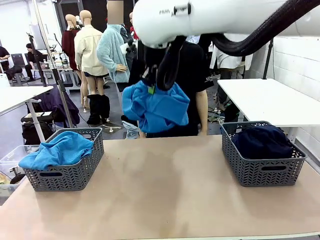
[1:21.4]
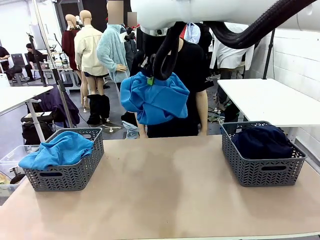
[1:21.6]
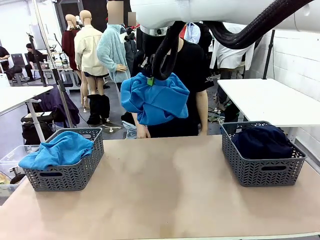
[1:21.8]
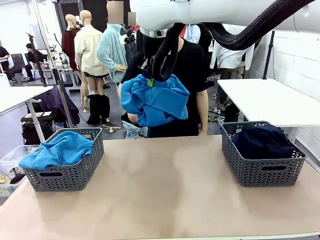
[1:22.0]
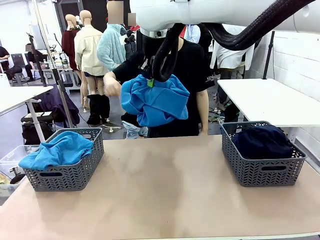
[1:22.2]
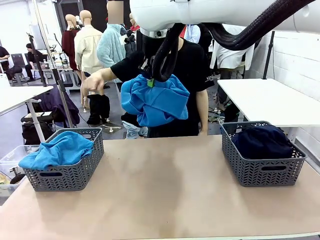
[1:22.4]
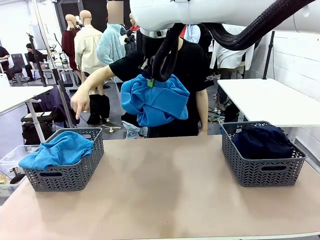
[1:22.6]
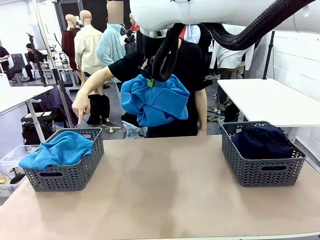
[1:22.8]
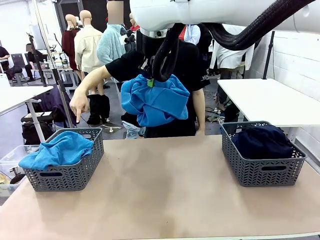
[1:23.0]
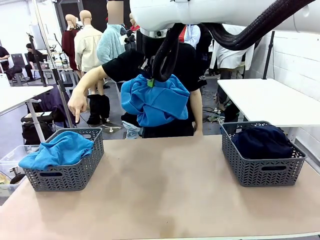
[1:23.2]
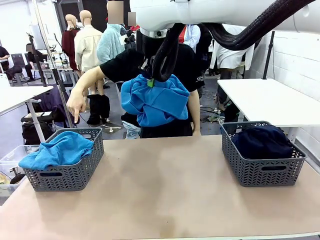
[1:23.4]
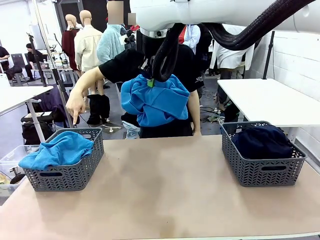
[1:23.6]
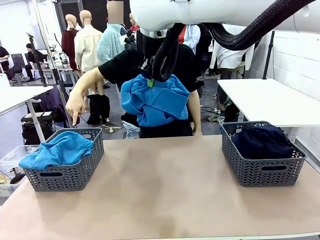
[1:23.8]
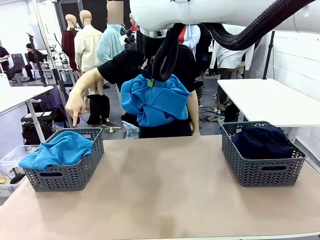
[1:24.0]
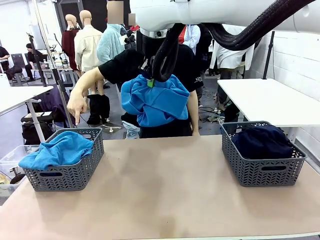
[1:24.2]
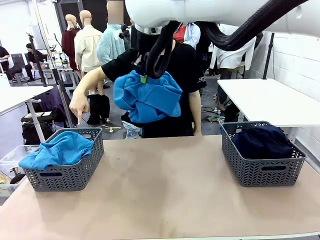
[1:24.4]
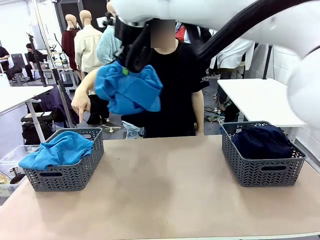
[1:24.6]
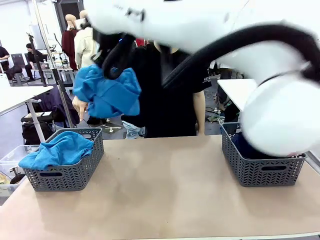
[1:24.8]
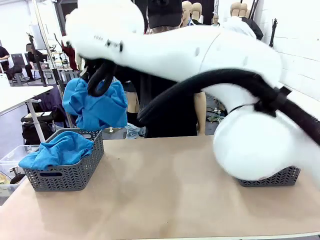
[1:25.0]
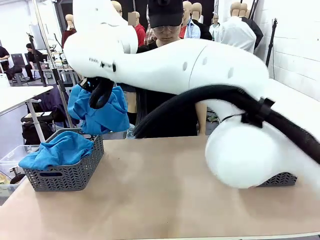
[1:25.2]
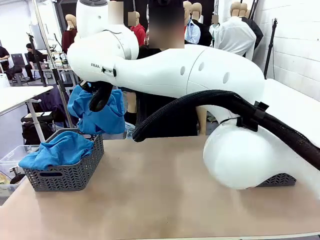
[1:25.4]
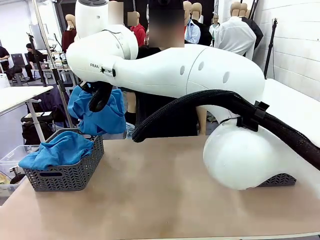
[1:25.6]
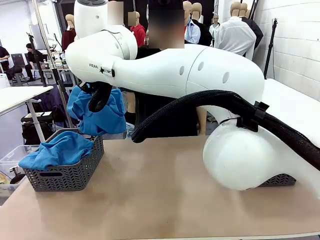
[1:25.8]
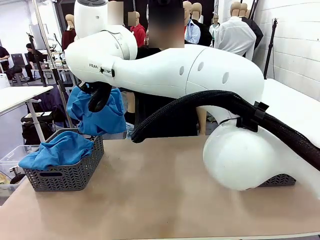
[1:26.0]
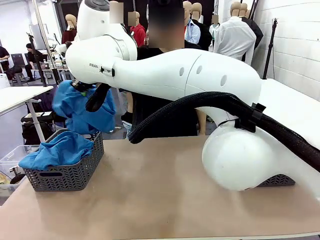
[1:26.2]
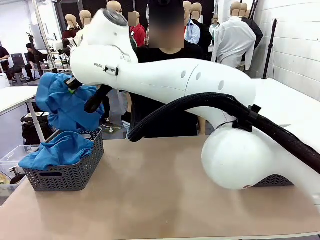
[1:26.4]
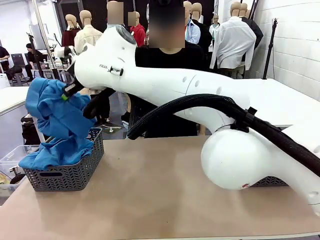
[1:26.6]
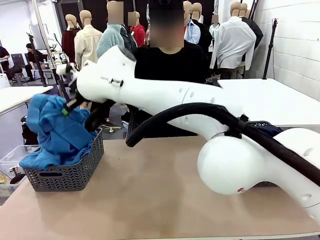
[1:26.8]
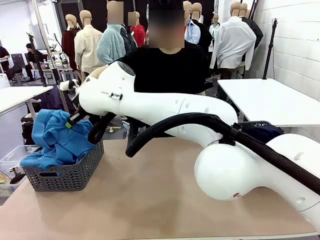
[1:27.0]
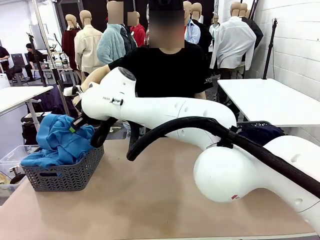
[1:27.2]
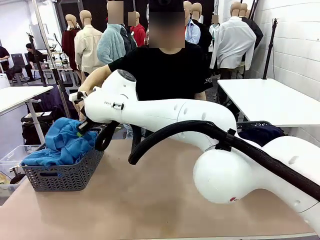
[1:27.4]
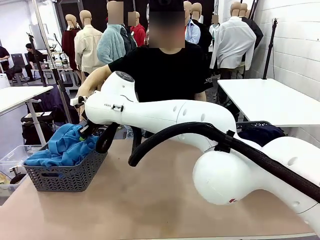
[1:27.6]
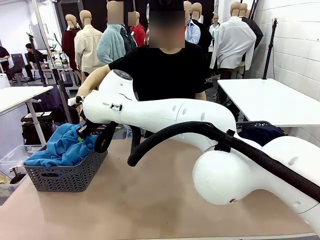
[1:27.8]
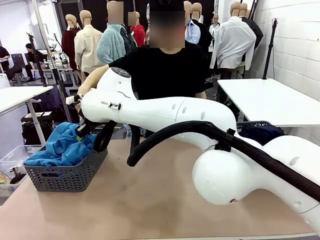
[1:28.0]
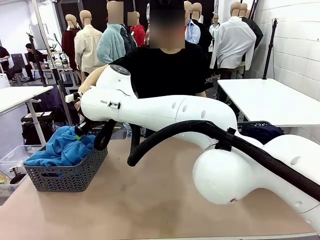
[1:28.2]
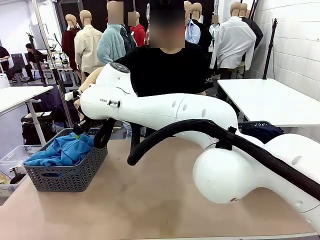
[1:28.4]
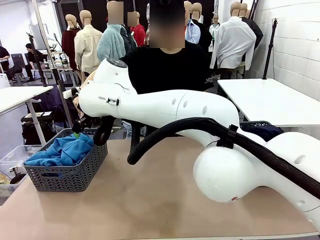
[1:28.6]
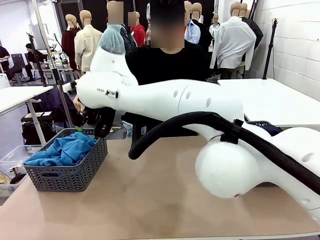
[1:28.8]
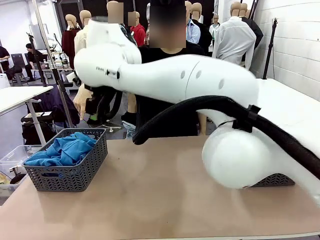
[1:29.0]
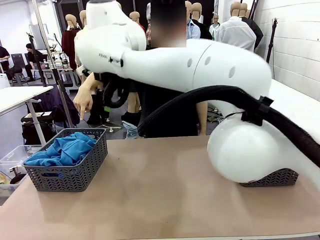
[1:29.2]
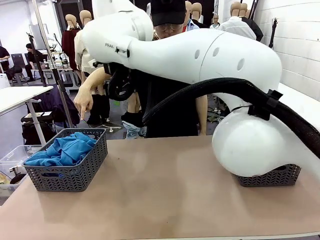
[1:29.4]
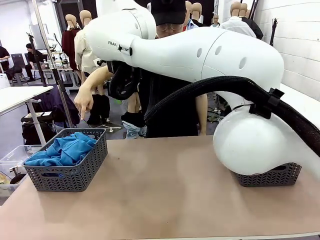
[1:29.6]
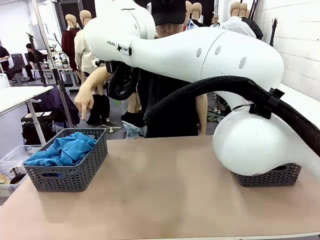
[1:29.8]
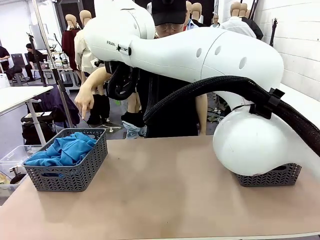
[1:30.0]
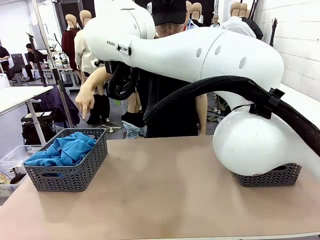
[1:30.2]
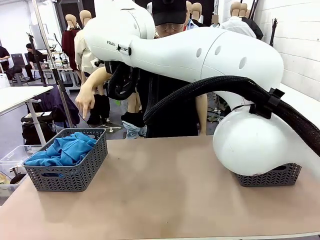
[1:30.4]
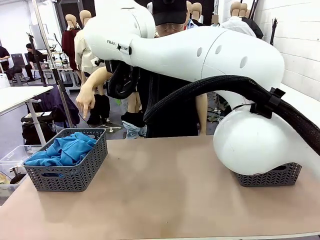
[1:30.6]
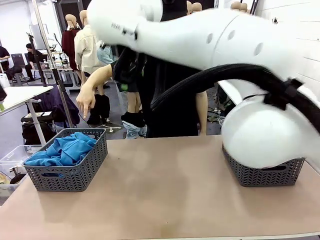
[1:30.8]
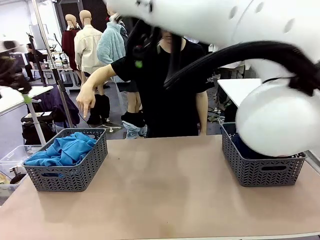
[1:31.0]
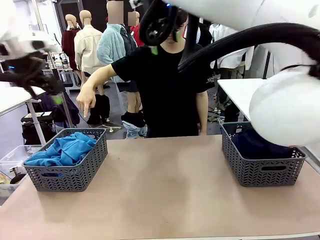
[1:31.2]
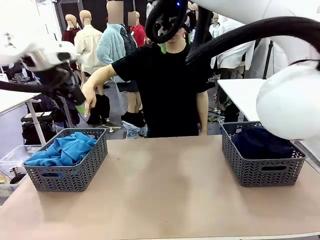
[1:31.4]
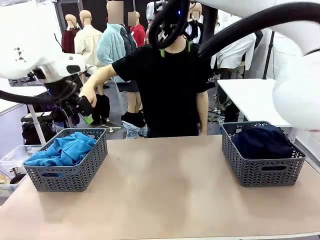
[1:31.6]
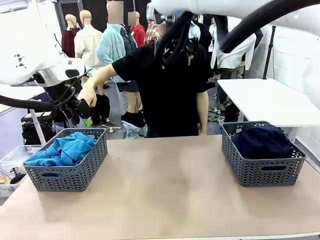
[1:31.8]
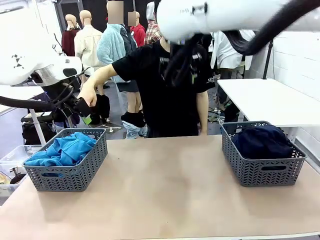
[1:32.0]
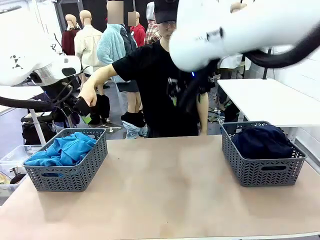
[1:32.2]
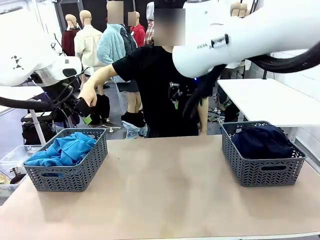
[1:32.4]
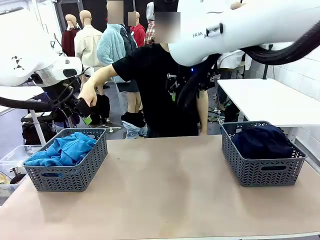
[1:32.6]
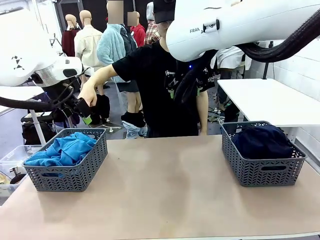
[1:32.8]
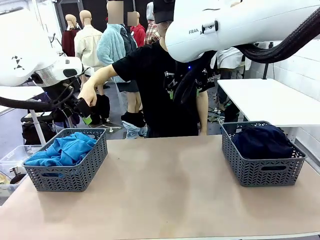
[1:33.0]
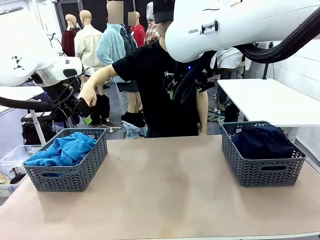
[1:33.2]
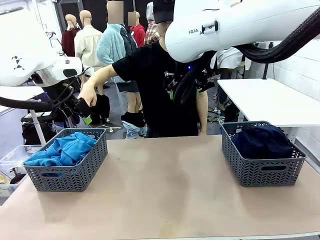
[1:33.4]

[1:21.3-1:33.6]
Task: Sort the tops and bottoms.
Robot: Sort the clothes according to human instructions.

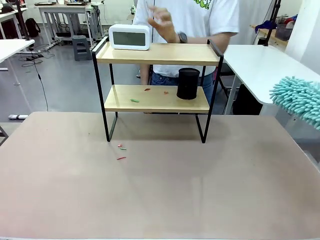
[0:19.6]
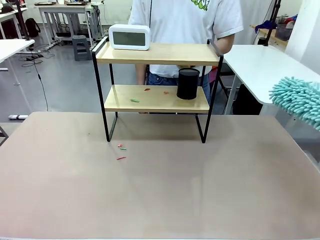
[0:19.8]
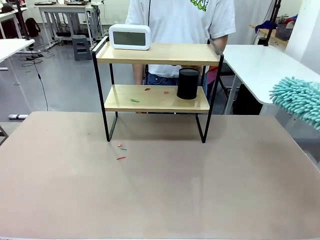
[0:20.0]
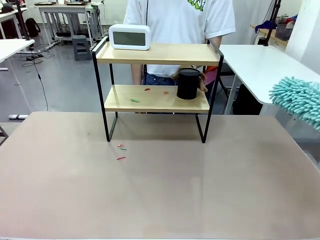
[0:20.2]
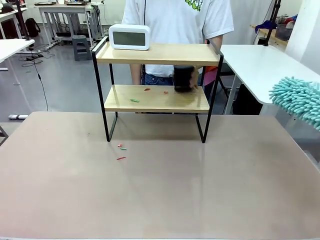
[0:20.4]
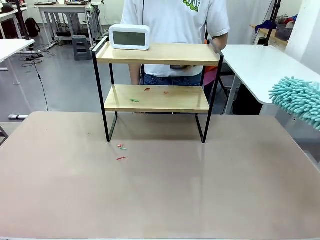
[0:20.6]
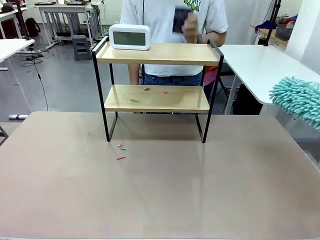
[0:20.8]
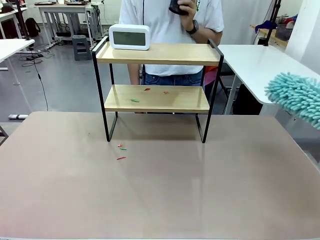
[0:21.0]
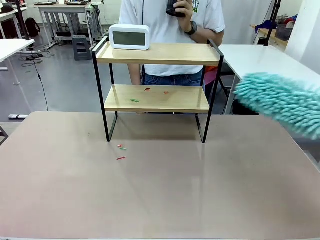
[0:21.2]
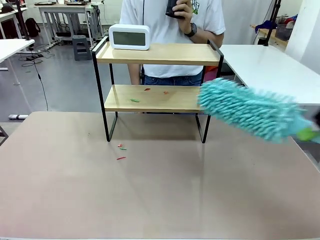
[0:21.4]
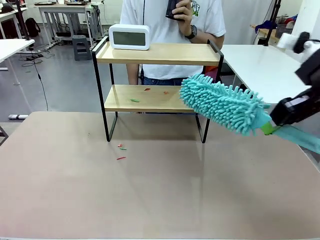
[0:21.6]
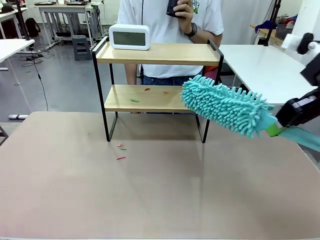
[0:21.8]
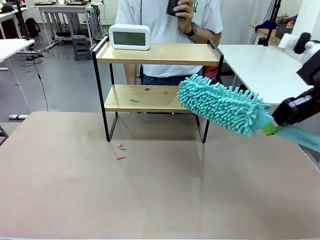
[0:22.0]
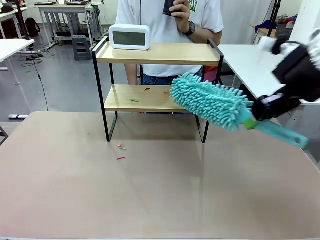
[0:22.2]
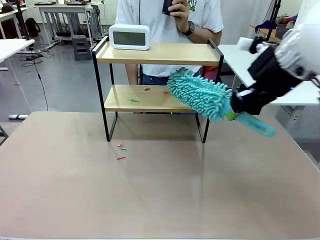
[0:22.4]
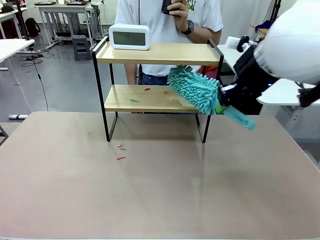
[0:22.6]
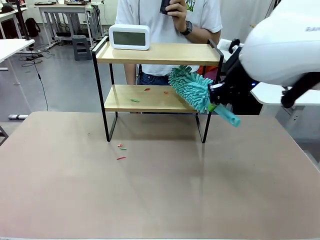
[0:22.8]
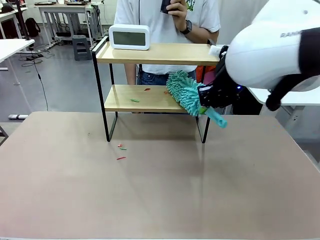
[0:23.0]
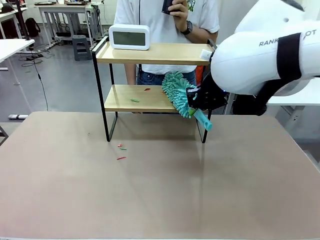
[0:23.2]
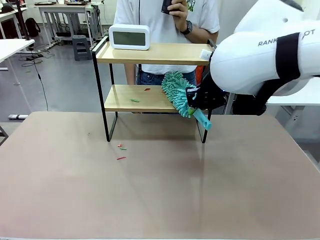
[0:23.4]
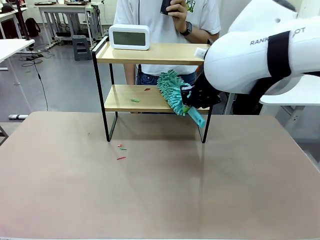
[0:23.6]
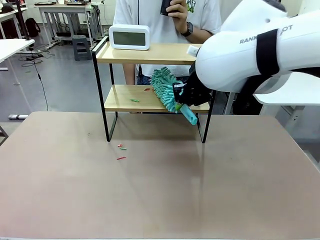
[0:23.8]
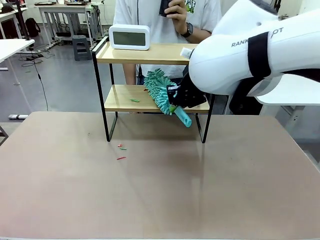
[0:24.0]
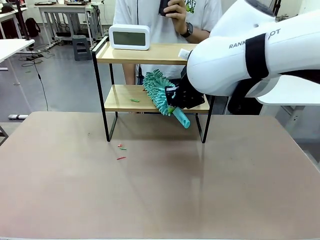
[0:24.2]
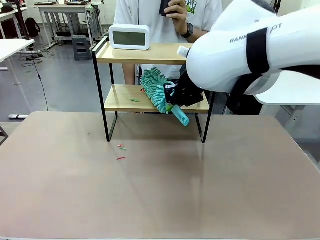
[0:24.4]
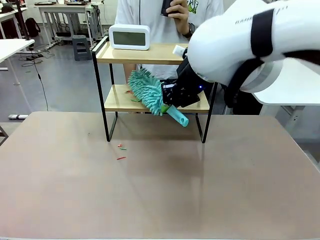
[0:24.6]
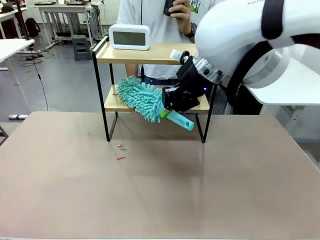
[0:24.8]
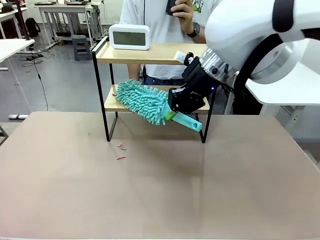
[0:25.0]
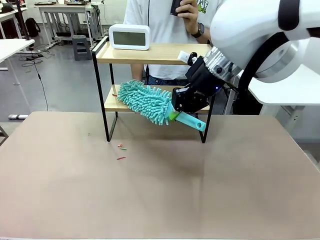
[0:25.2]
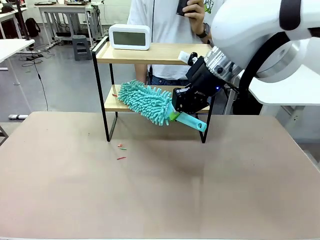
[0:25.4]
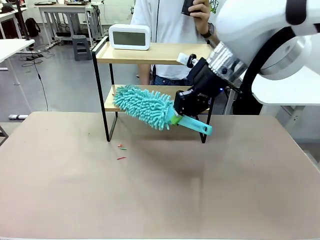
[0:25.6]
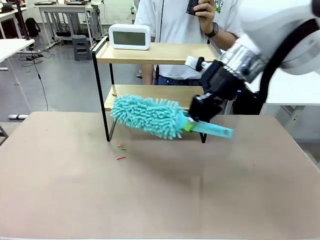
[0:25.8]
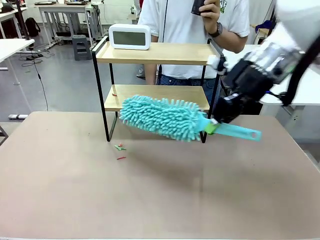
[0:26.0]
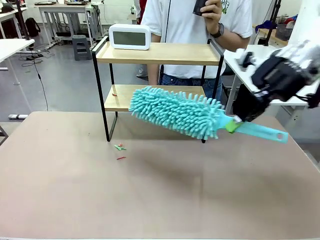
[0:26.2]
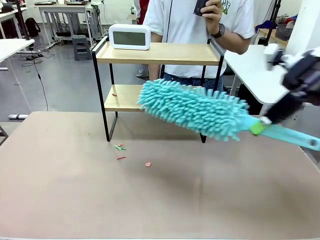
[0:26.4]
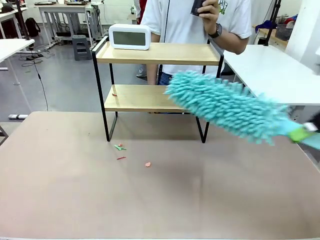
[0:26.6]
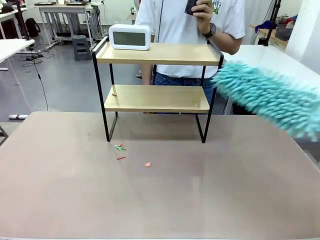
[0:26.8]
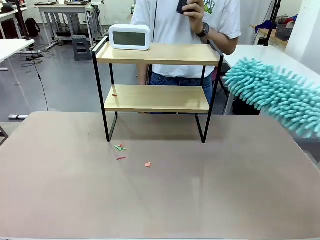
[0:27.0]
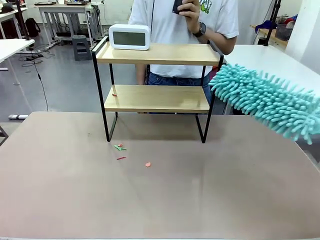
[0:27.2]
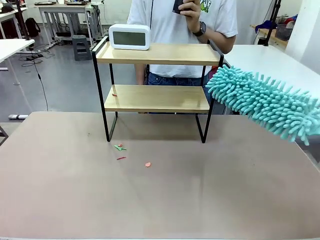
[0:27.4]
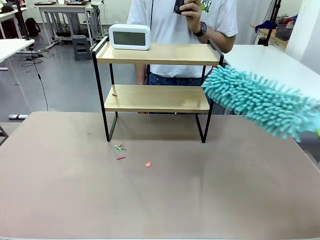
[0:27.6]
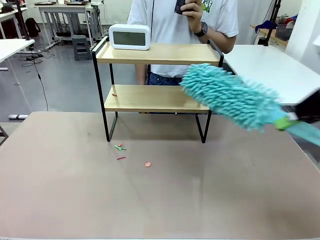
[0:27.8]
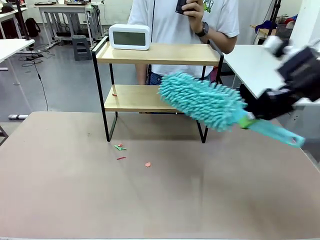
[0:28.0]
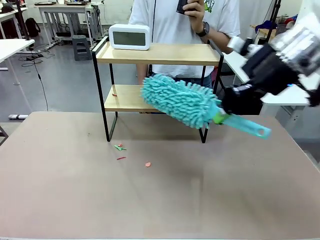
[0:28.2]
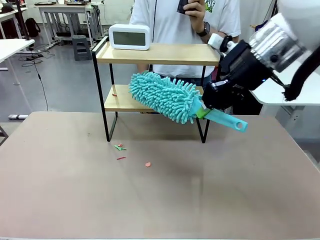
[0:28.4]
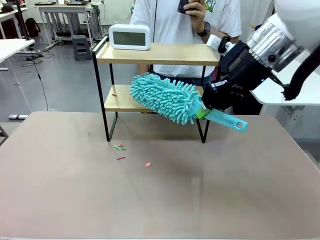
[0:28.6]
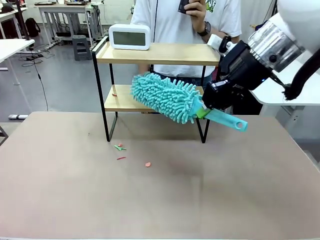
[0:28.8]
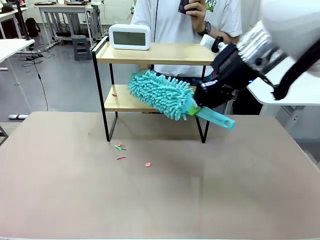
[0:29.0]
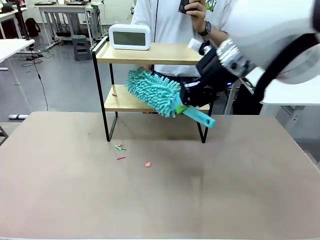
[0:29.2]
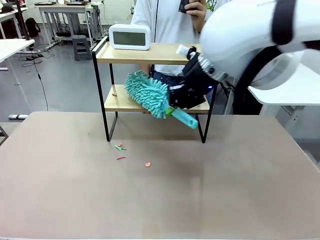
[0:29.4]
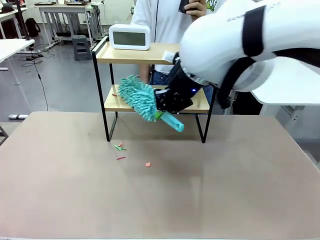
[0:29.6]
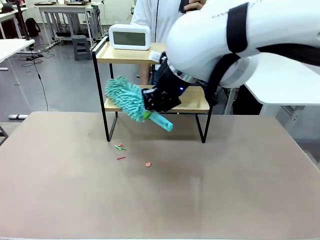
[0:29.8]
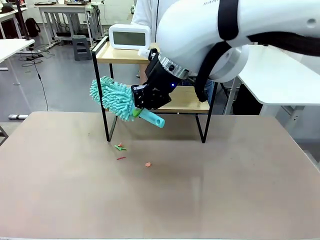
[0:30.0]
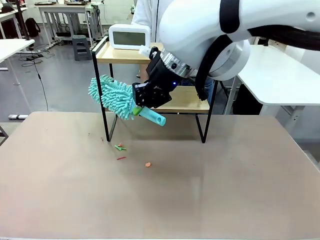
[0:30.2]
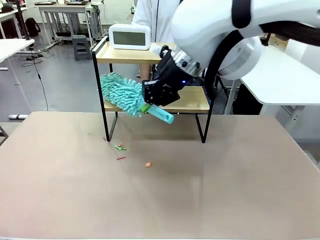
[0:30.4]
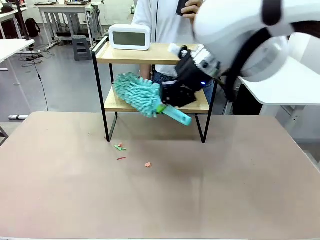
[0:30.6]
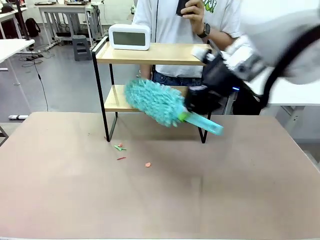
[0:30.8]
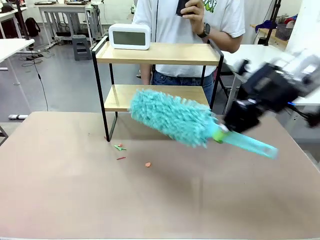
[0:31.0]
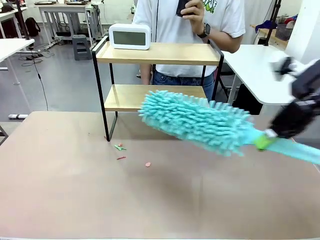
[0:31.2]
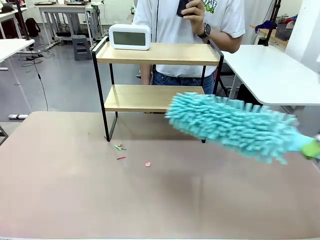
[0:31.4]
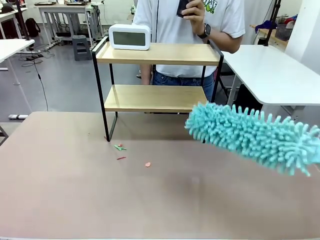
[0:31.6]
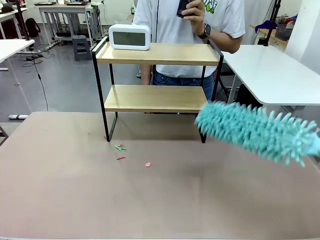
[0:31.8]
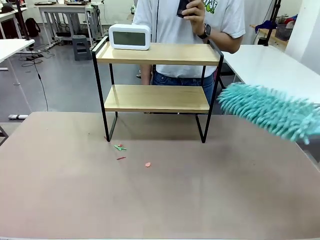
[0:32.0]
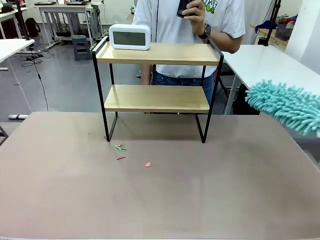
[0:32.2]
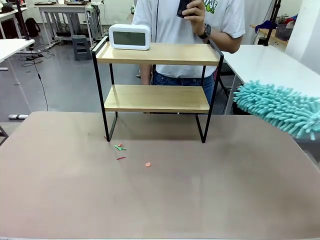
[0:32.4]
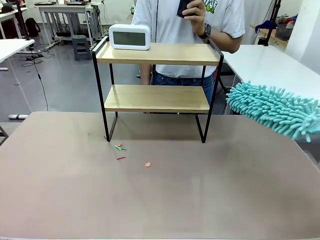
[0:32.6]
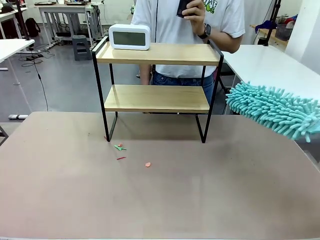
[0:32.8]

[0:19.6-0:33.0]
Task: Clean the shelf.
Robot: Clean the remaining tier of the Shelf with the Duster once objects are removed.
Person: Receive the Duster from the robot.
